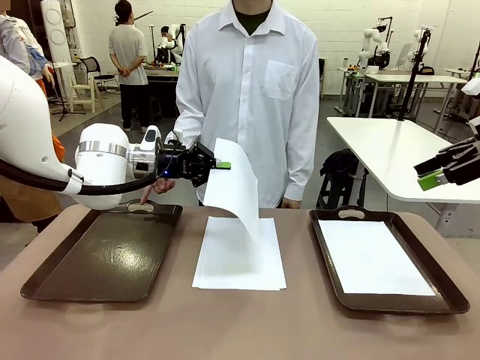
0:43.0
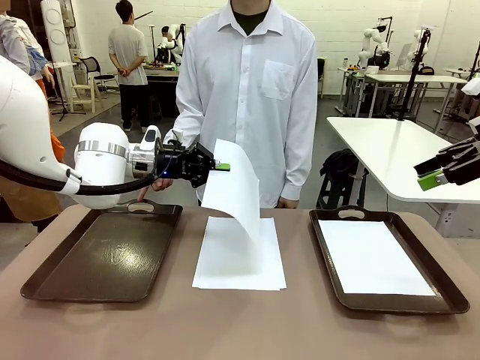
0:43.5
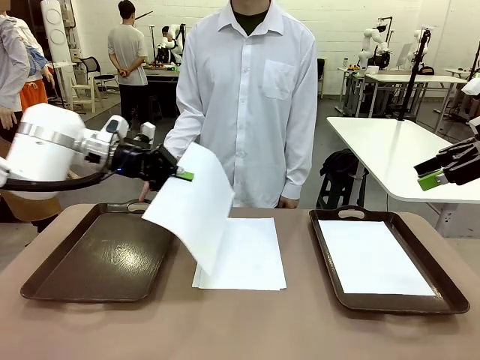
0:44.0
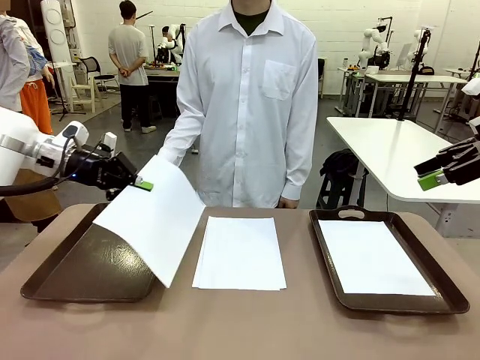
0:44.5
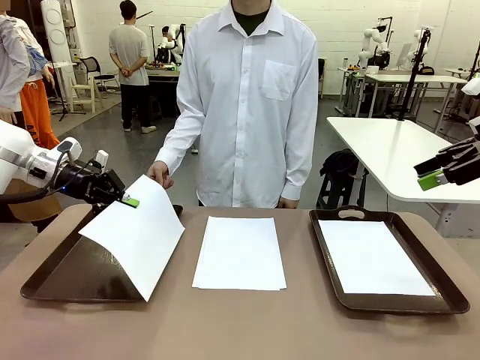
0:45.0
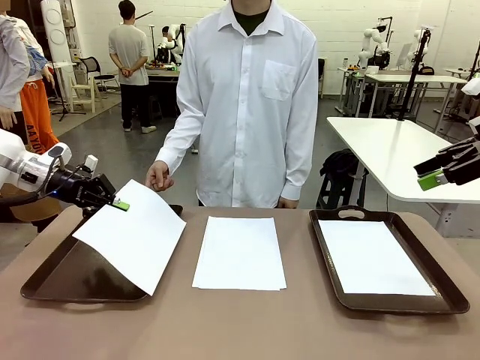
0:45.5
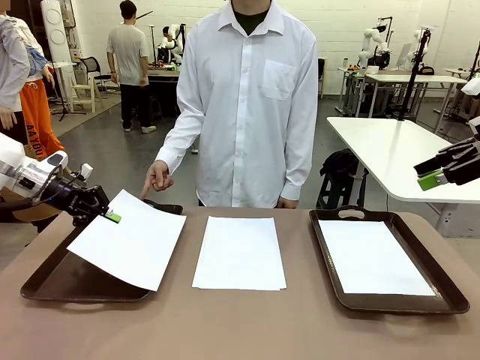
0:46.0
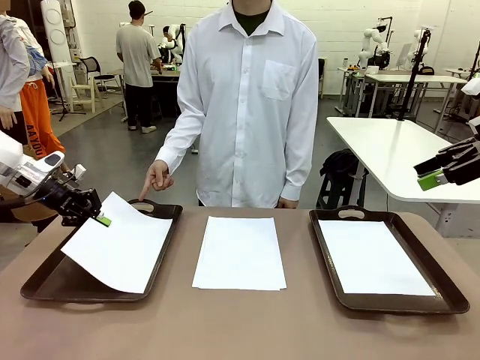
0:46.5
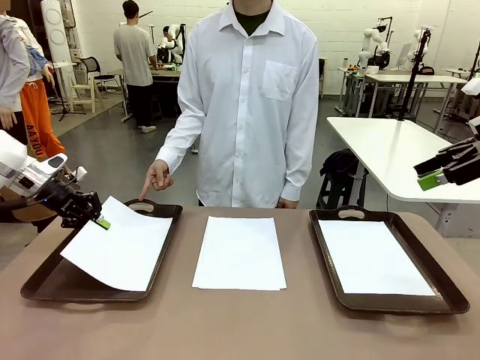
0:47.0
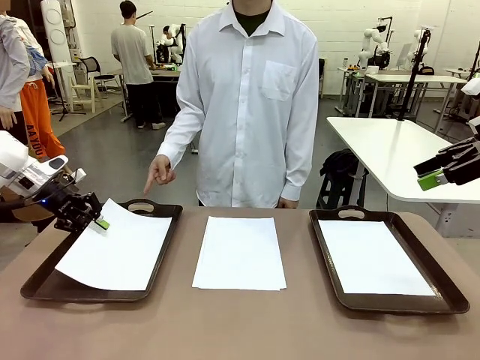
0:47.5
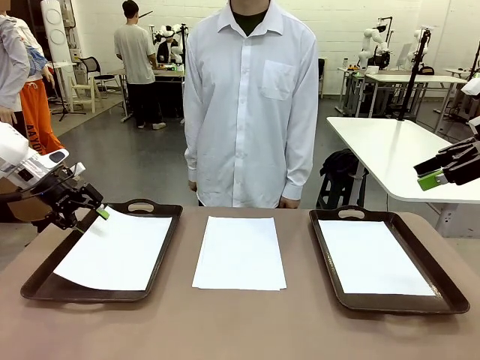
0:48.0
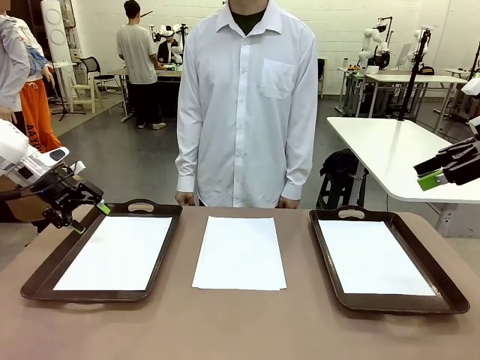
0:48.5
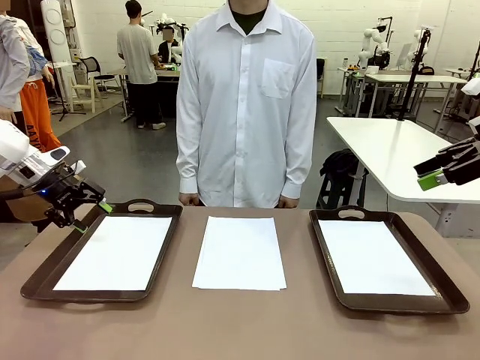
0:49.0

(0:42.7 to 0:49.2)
Task: Sort the A4 documents.
Robot: Place the A4 Paper in the designated Handle tray.

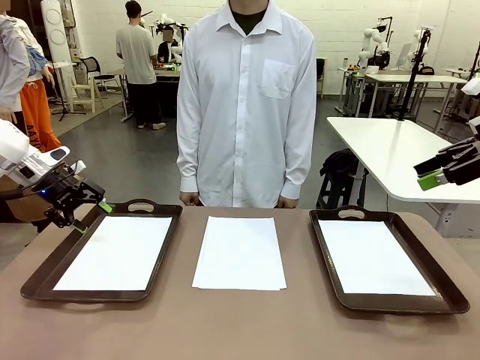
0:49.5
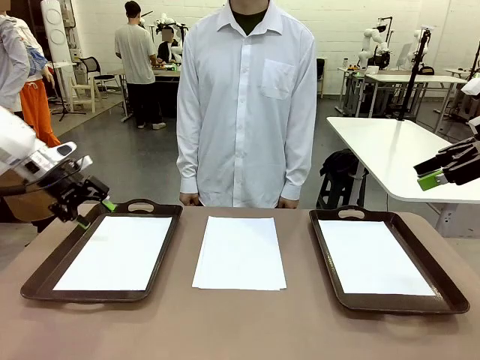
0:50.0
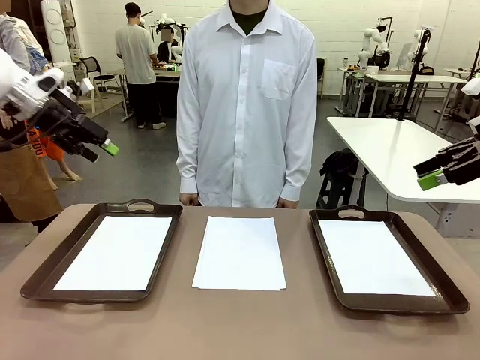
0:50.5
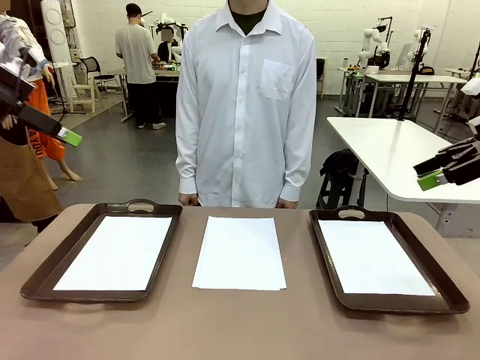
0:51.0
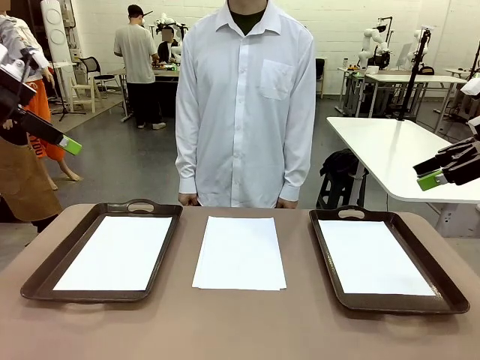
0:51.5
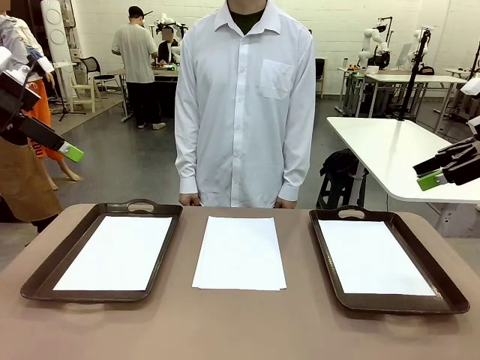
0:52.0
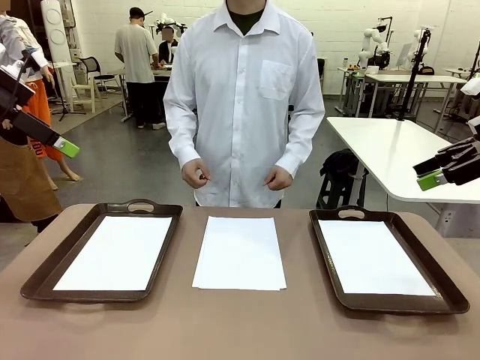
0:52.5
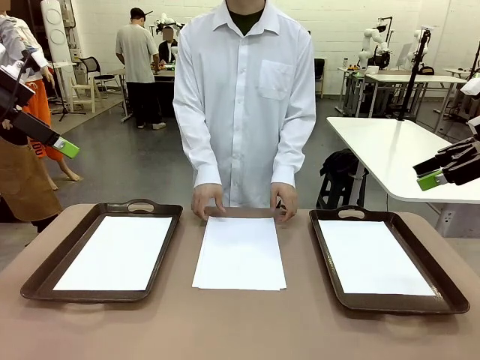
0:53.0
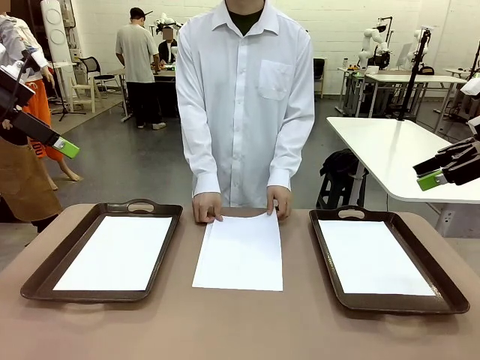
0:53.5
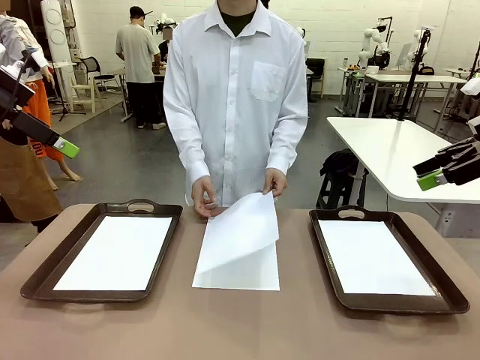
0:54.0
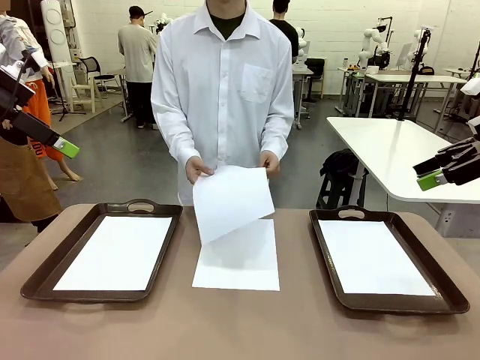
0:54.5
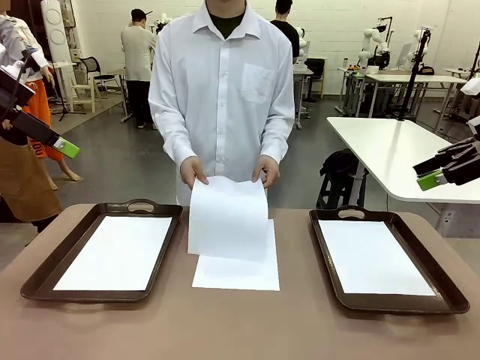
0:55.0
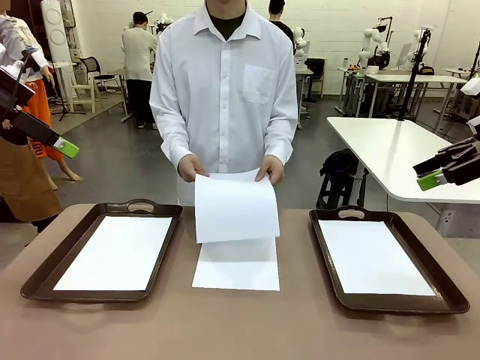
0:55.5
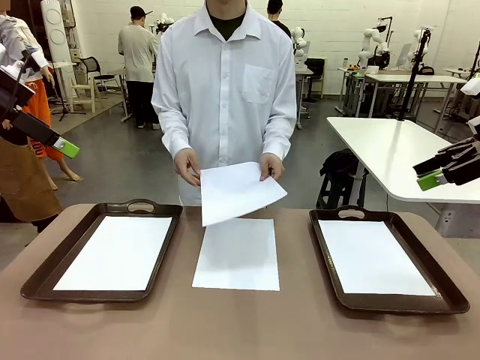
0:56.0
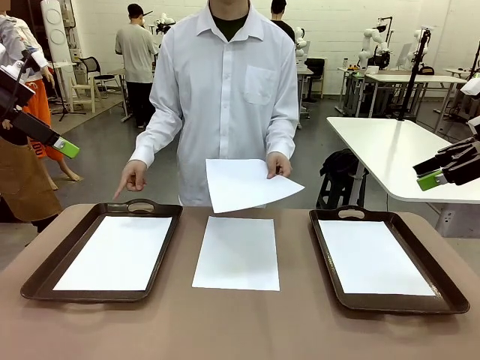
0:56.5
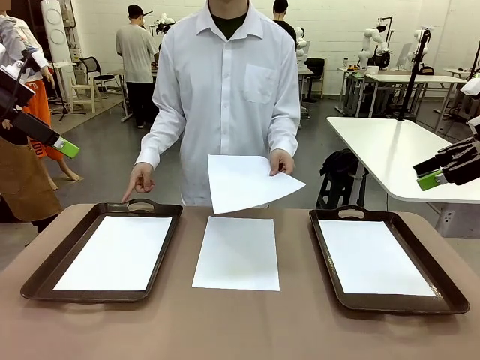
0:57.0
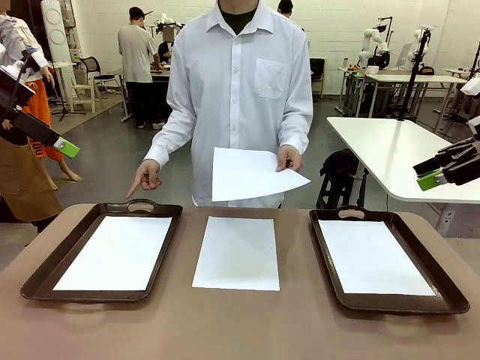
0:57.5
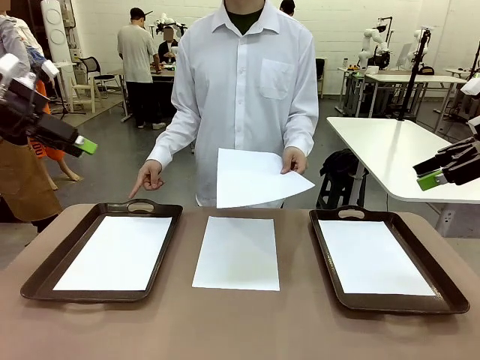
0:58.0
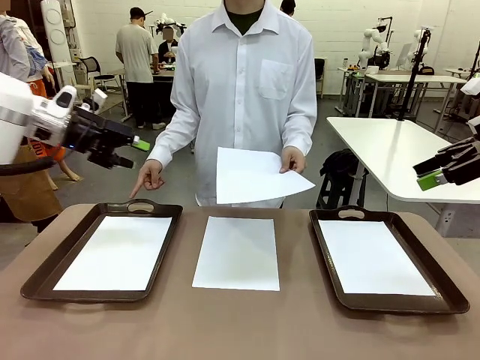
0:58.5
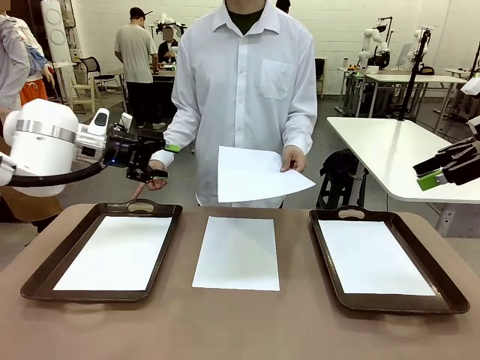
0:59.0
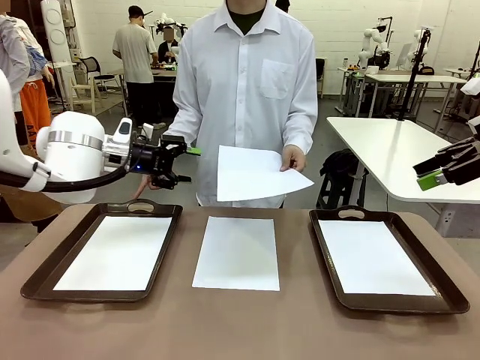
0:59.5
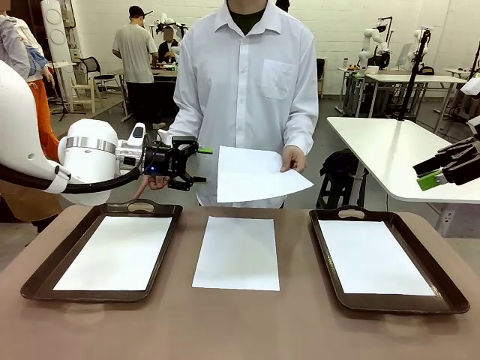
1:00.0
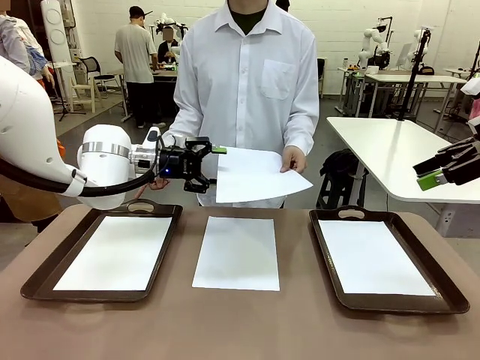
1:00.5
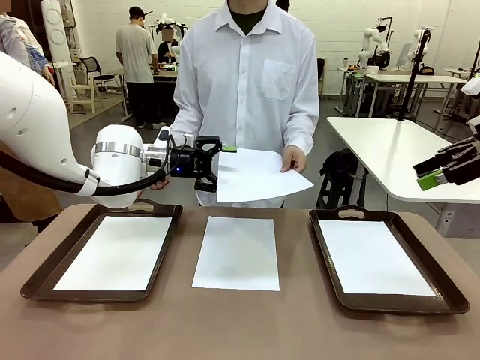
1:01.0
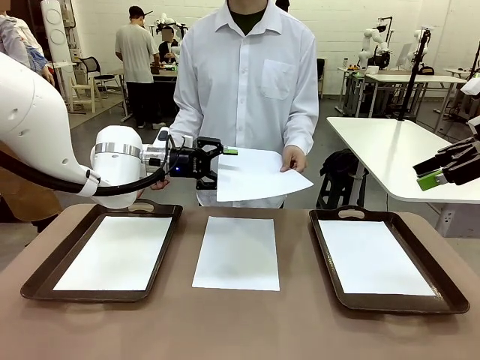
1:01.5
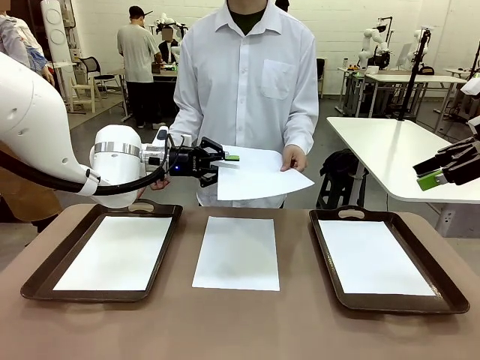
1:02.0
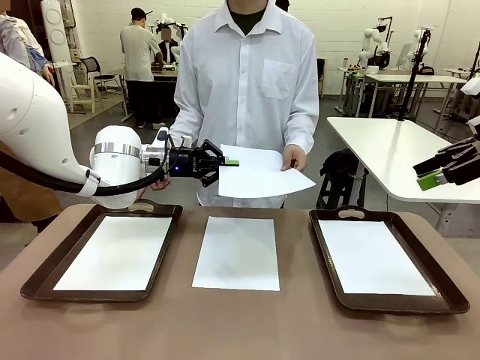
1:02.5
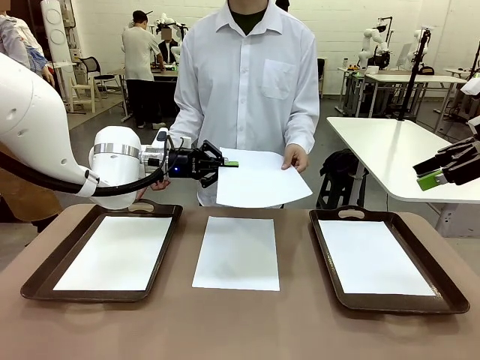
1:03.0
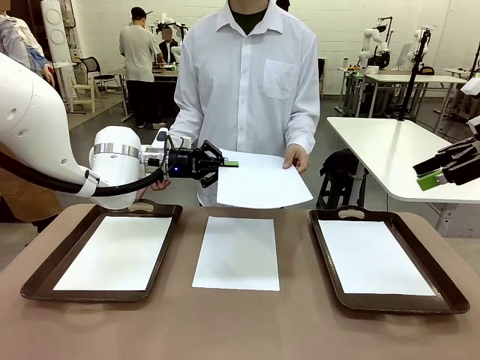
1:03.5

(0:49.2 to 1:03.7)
Robot: Receive the A4 Paper.
Person: Point the randomly selected tray with the other hand.

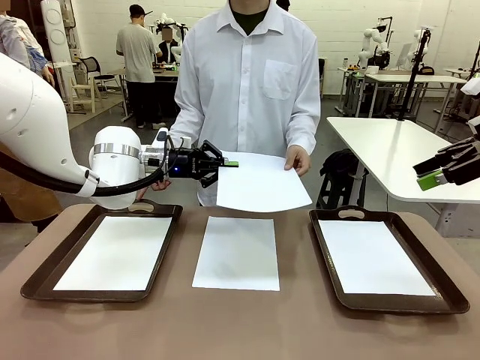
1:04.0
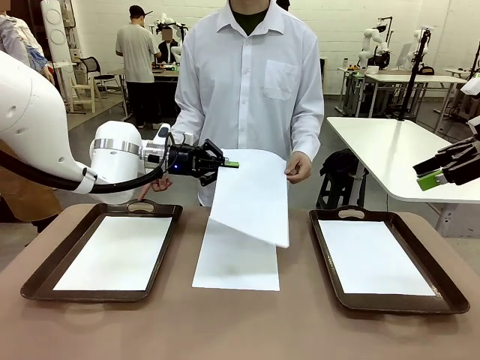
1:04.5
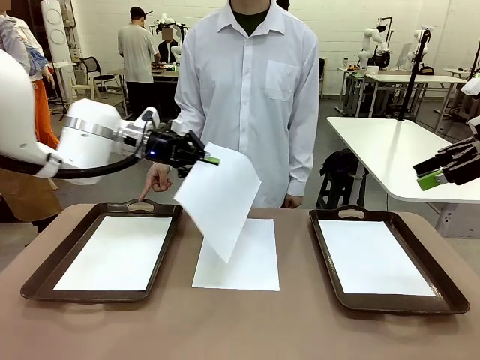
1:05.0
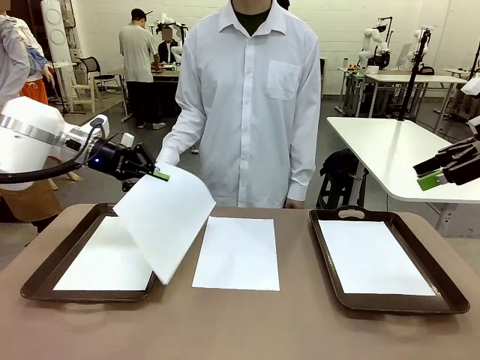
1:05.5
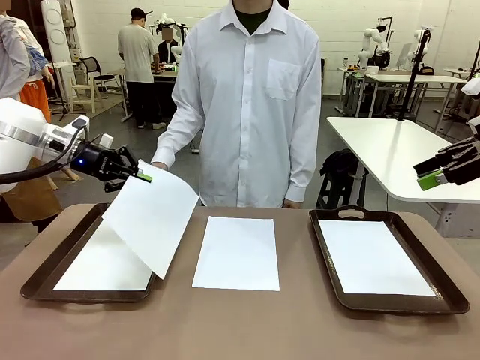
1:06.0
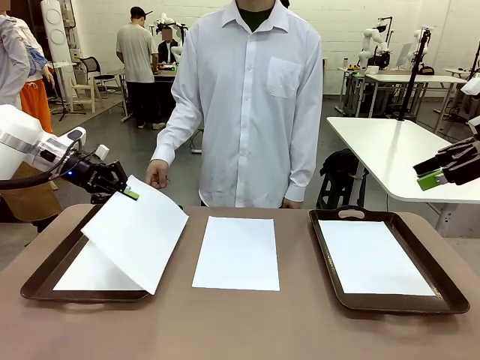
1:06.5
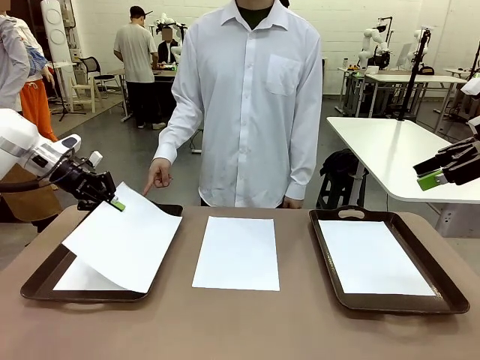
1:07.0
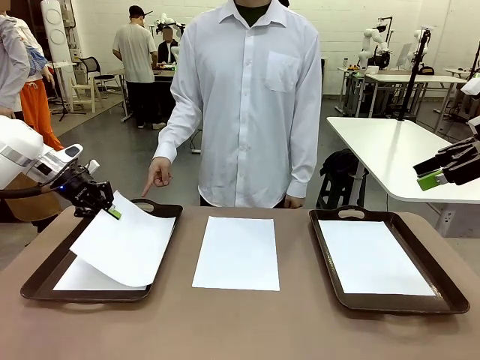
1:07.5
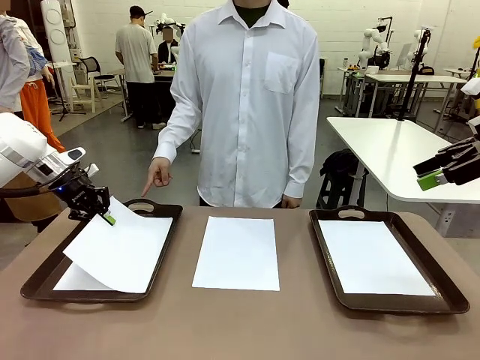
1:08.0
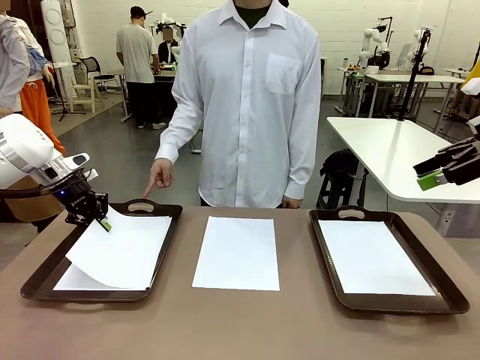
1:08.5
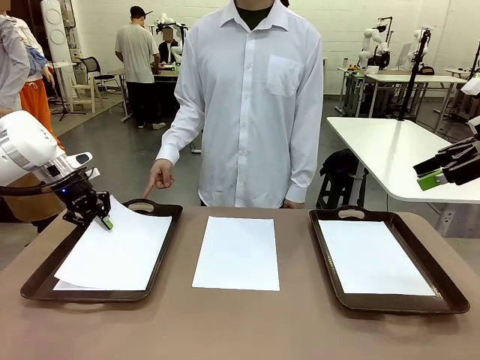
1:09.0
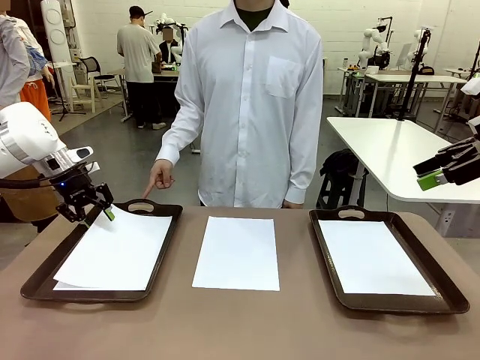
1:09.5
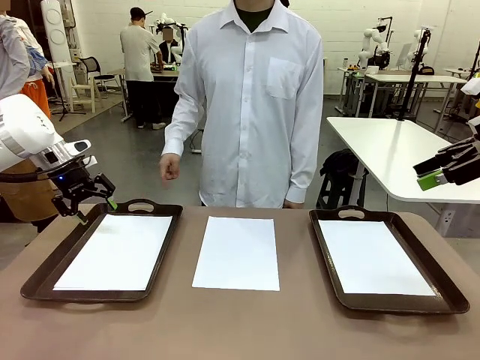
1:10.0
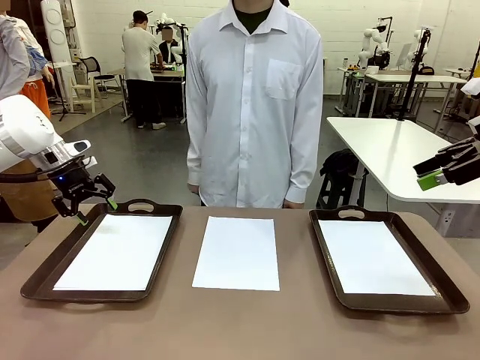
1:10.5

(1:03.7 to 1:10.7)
Robot: Place the A4 Paper in the designated Handle tray.
